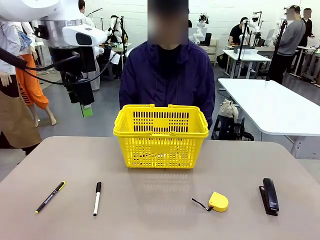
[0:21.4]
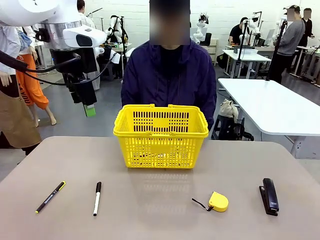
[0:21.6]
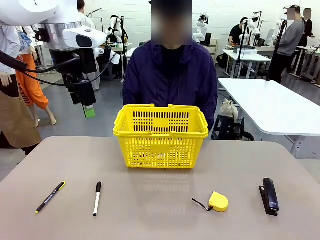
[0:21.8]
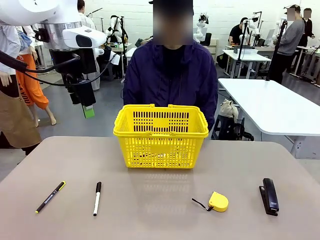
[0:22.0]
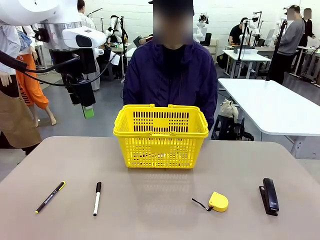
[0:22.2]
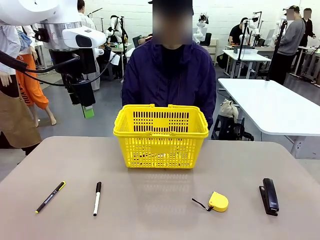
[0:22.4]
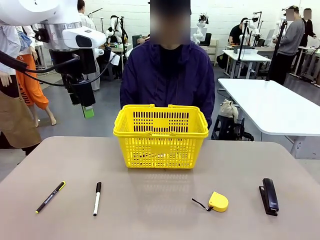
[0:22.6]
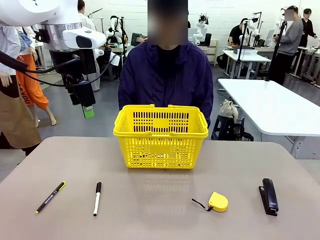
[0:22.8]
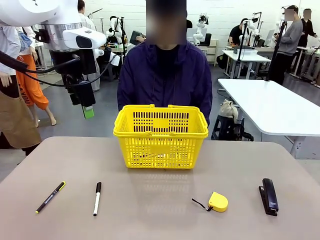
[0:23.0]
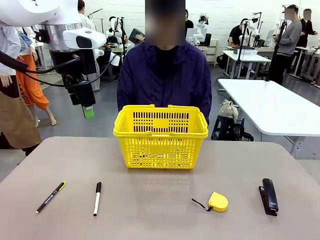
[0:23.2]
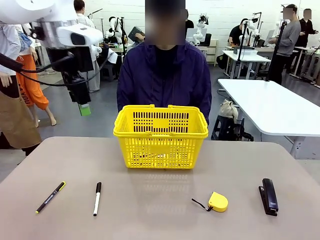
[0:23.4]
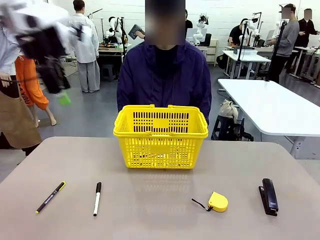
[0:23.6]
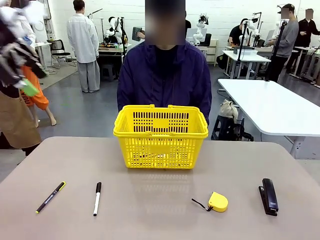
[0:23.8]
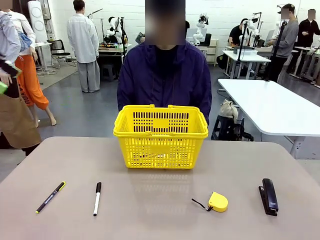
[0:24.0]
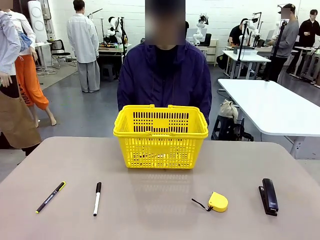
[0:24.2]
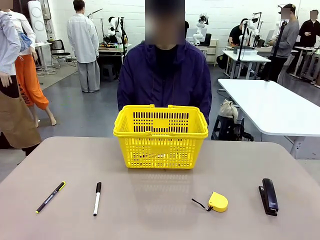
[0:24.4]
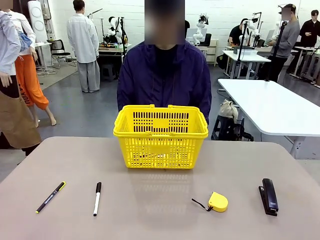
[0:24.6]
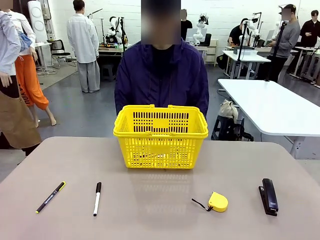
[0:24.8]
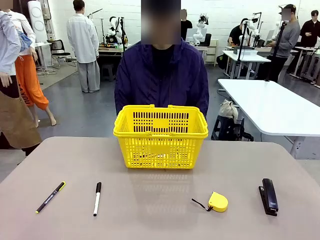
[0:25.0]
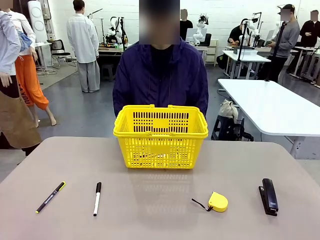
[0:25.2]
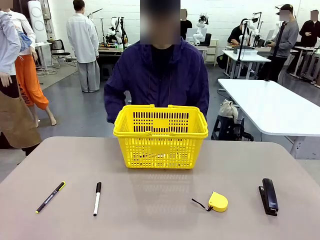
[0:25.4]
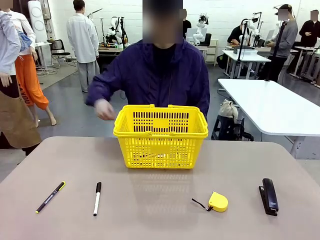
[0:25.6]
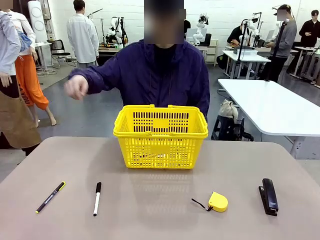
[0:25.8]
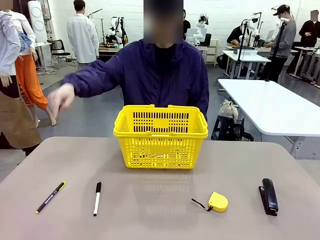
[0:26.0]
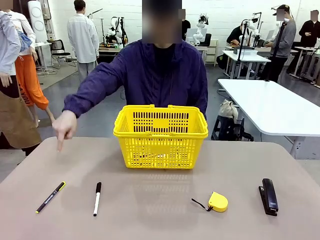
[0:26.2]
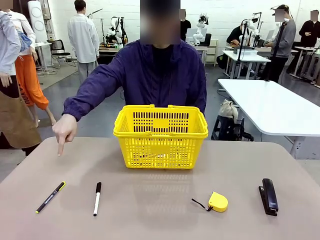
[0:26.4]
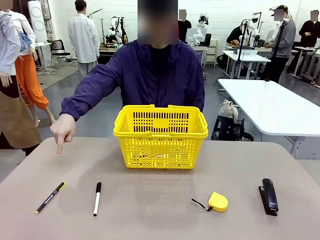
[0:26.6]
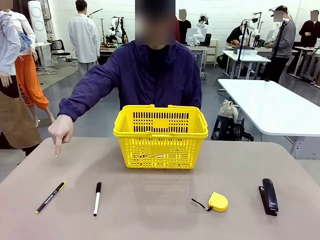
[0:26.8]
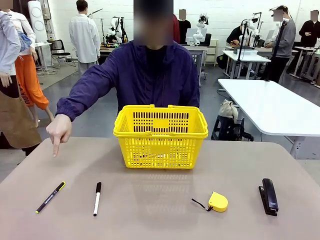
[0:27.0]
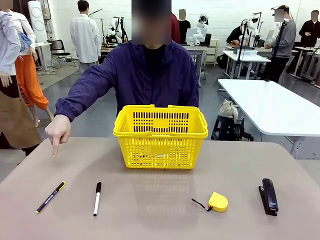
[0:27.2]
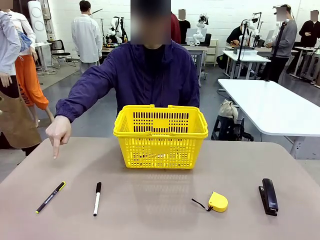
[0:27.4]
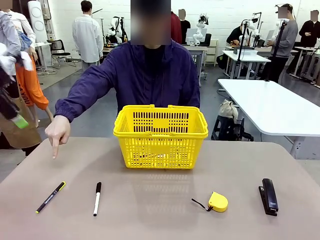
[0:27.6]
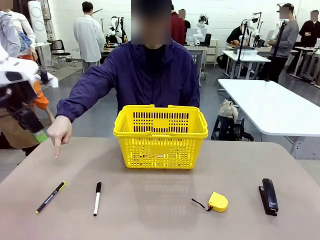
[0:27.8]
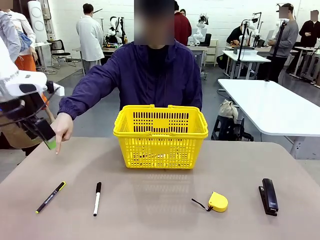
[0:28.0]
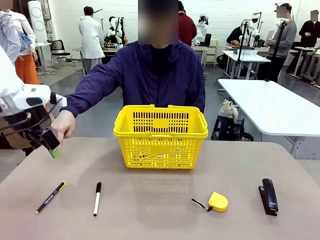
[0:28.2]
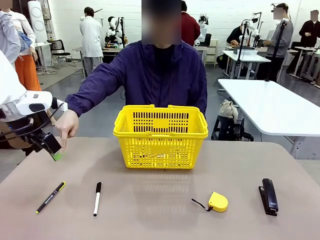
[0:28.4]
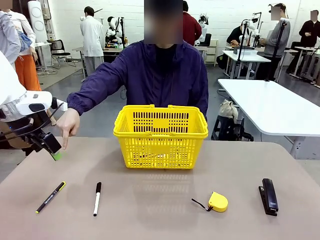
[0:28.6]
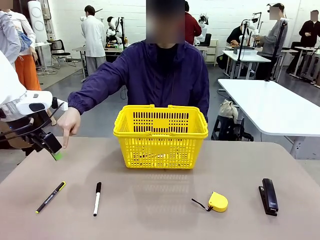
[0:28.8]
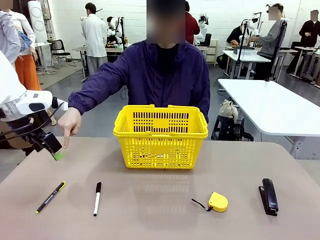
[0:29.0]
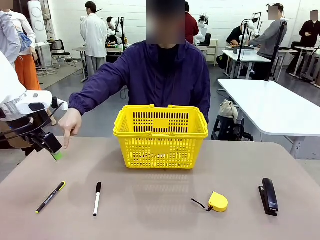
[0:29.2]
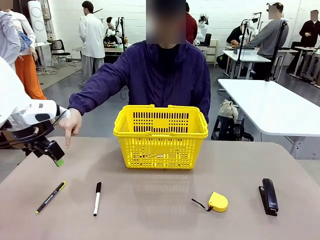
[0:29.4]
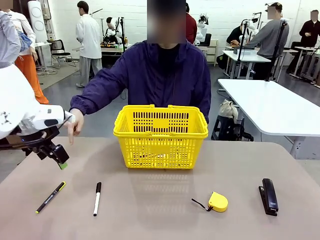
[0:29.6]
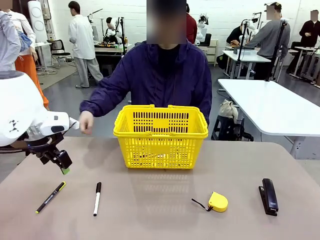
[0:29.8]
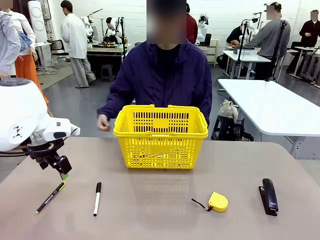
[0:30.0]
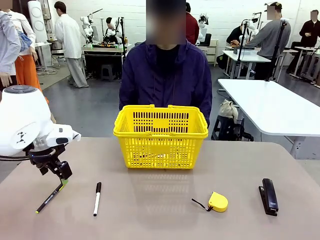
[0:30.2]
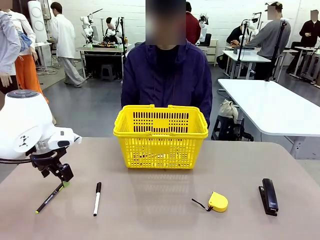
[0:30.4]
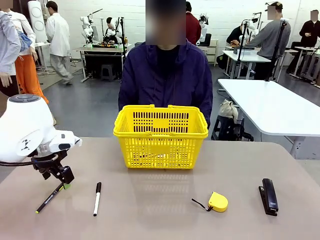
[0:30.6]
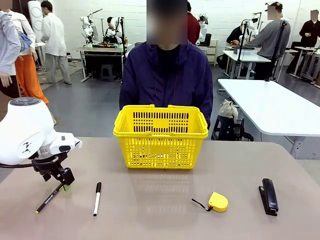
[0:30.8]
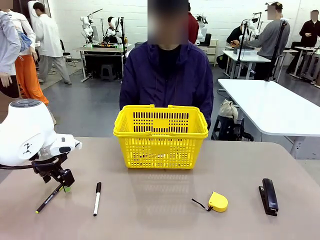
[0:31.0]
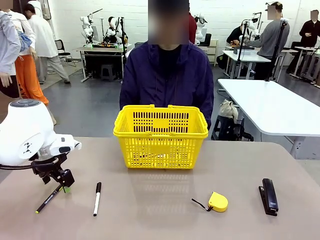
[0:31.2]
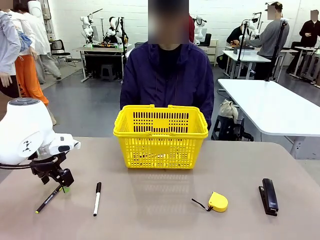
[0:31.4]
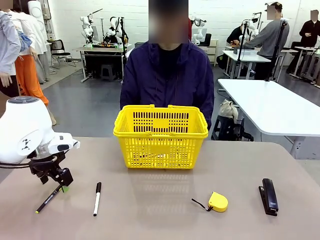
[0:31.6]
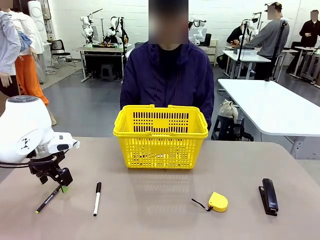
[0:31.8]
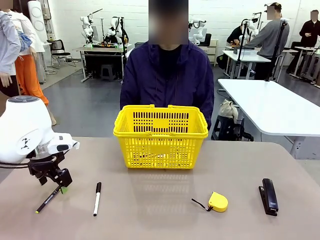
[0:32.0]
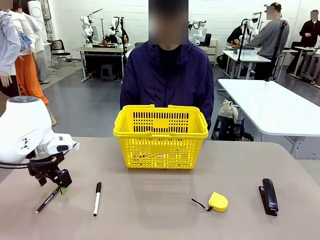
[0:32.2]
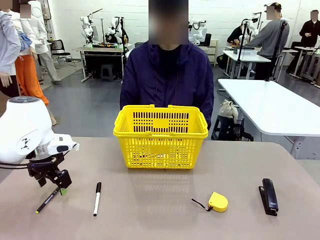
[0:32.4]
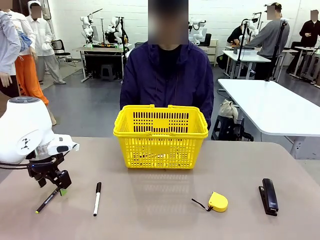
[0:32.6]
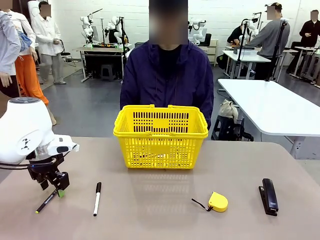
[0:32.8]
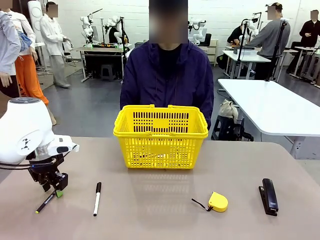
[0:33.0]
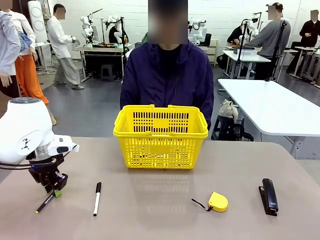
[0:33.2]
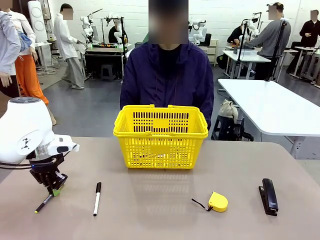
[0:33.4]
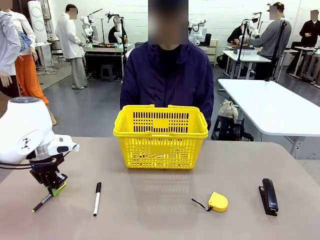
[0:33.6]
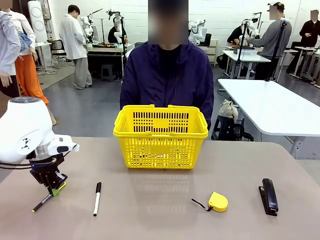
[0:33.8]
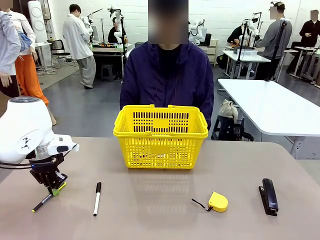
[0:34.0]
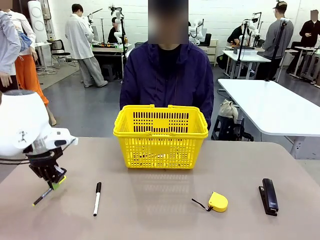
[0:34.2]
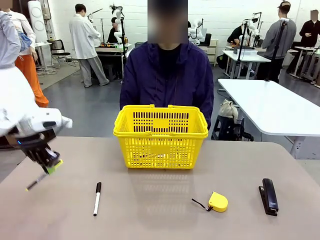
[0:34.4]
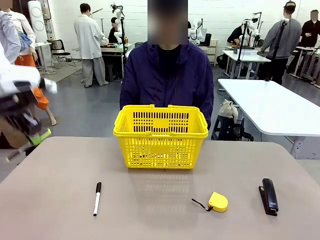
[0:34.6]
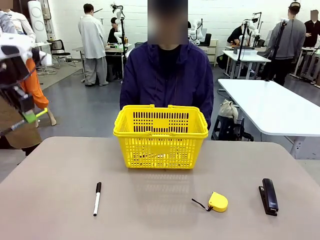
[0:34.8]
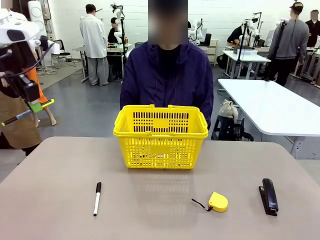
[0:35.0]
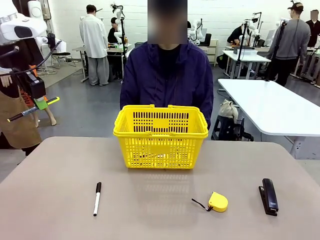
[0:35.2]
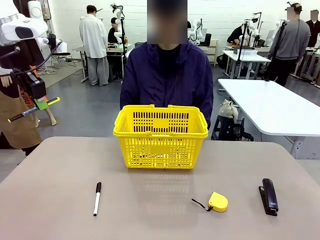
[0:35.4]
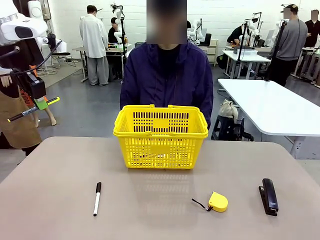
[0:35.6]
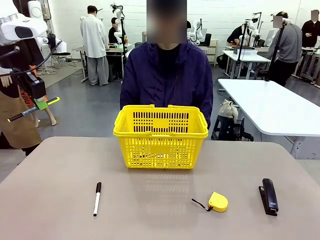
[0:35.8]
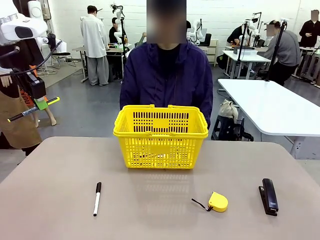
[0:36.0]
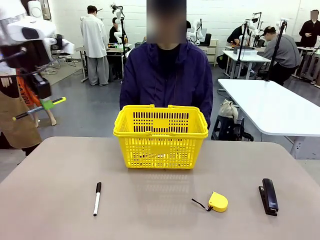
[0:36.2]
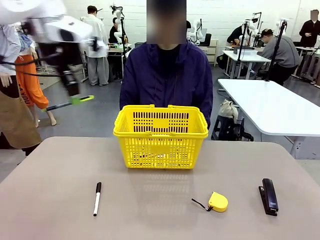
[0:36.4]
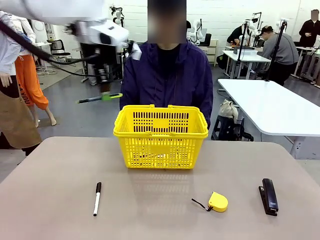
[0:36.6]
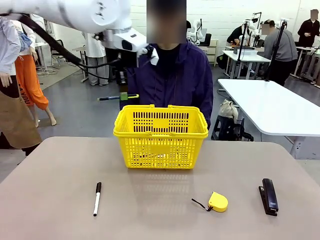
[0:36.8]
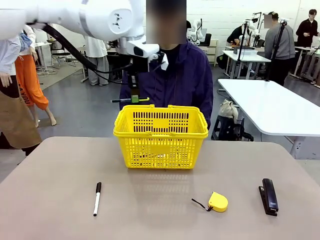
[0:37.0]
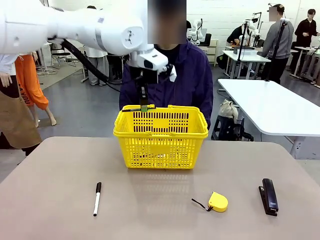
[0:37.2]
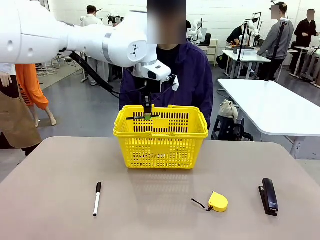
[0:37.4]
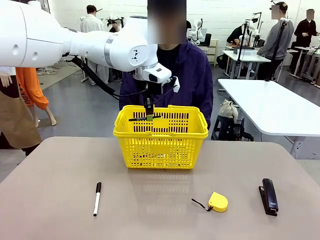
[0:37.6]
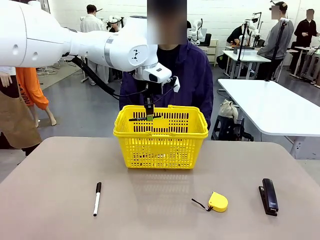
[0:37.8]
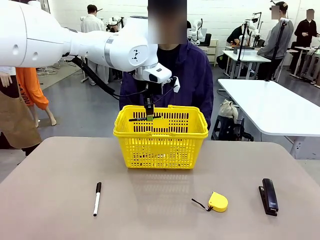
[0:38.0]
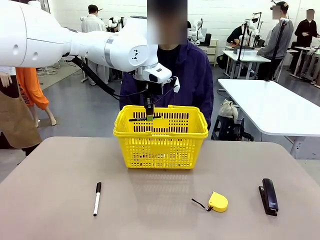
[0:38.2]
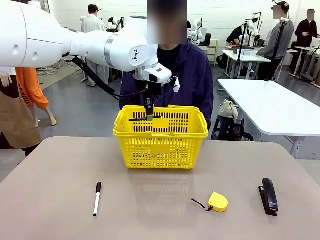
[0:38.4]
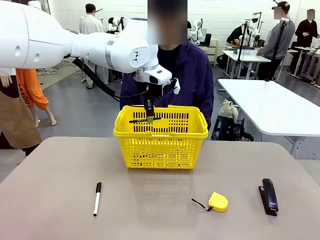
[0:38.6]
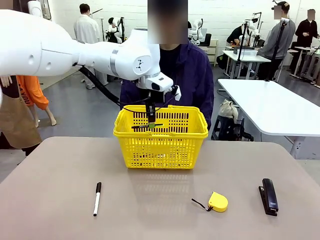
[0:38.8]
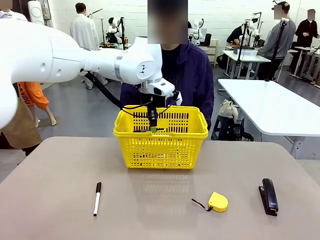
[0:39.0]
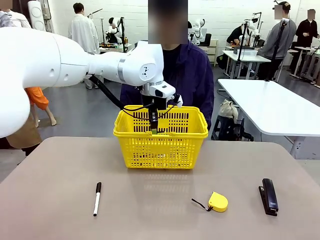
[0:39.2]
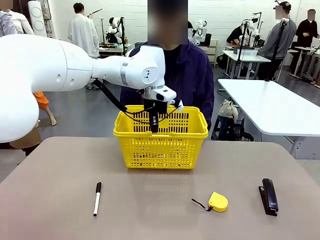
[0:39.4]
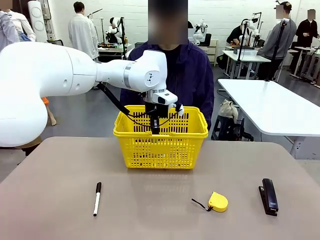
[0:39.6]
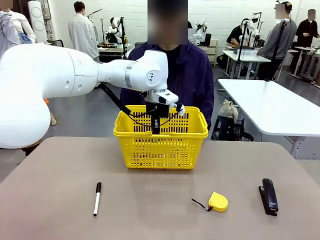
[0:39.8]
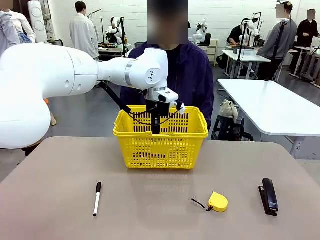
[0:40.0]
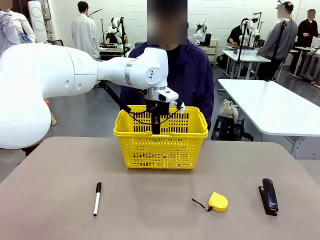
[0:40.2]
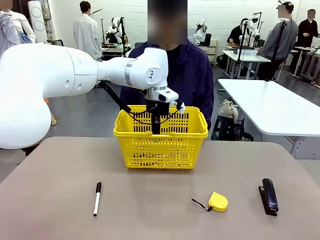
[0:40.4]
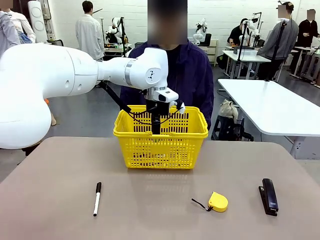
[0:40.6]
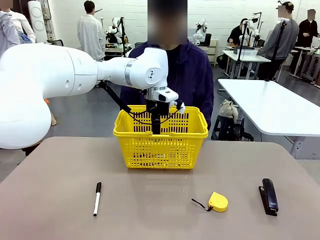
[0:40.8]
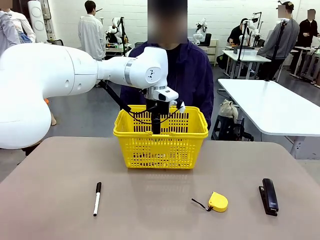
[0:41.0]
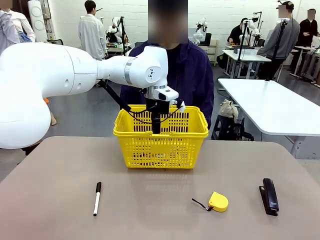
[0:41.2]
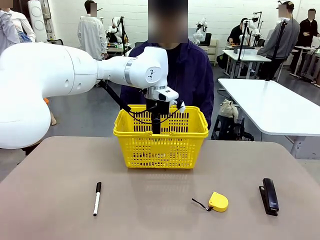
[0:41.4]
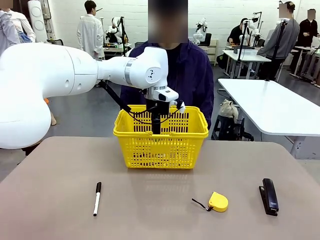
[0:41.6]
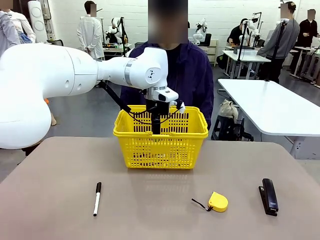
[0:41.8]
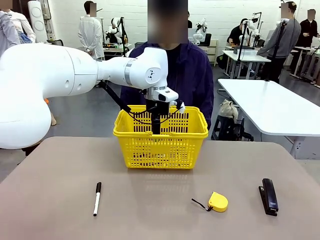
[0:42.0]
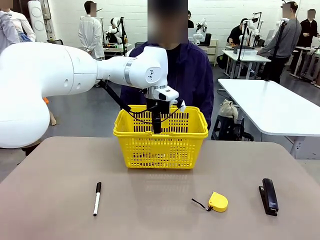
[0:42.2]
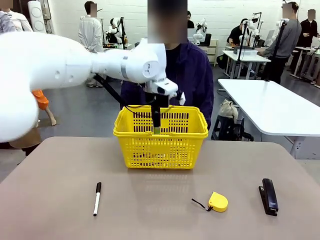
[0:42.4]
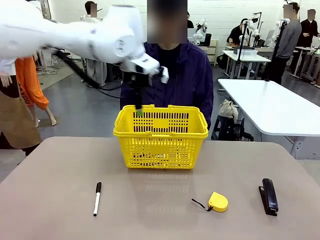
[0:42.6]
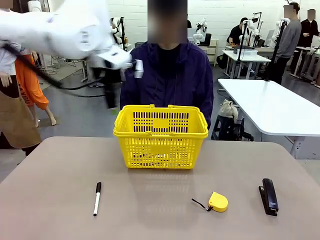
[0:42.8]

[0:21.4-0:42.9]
Task: Place the items the person wants into the basket.
Robot: Pick up the item the person points to and place it in the Market Basket.
